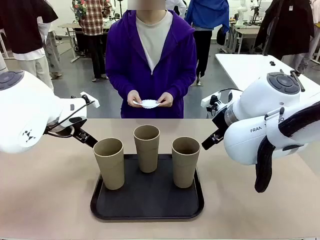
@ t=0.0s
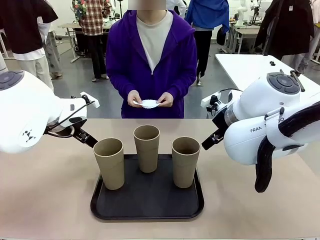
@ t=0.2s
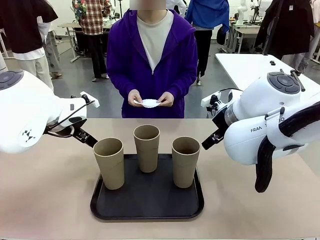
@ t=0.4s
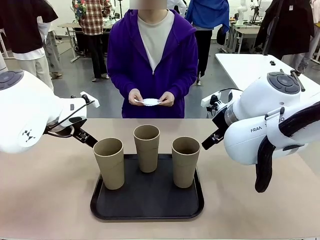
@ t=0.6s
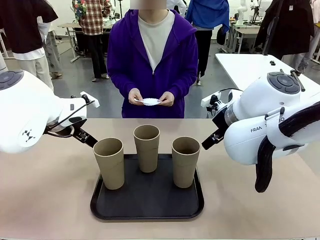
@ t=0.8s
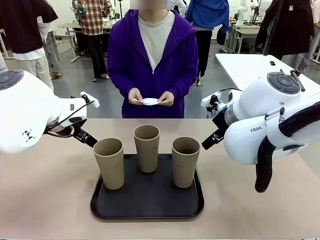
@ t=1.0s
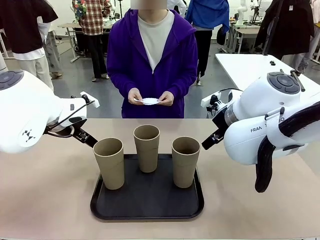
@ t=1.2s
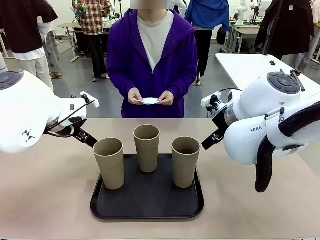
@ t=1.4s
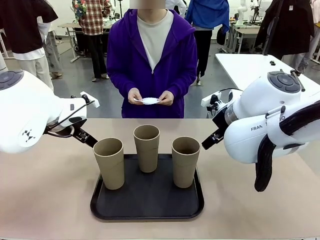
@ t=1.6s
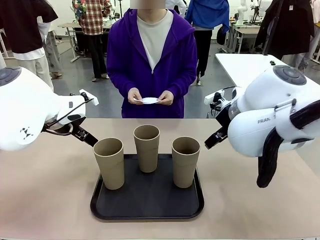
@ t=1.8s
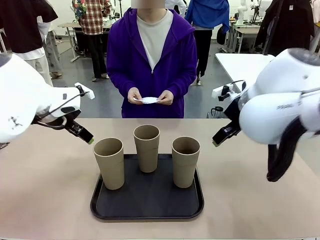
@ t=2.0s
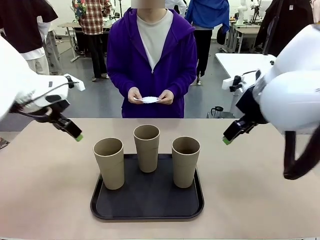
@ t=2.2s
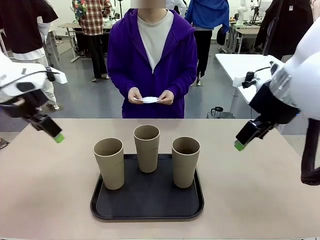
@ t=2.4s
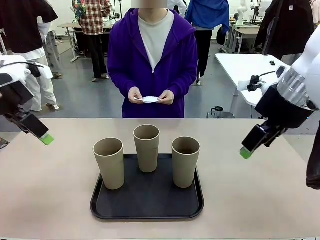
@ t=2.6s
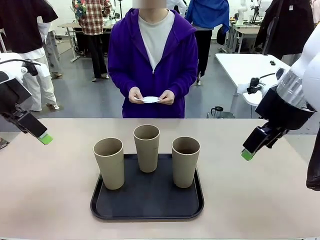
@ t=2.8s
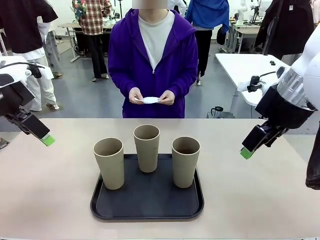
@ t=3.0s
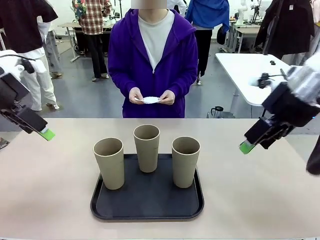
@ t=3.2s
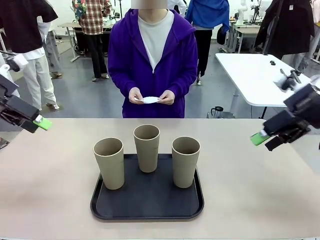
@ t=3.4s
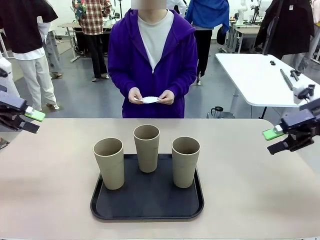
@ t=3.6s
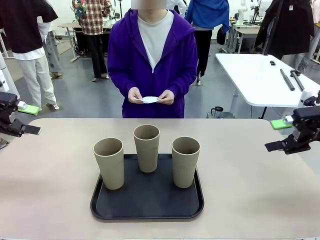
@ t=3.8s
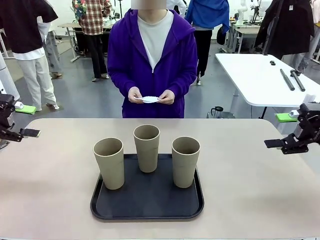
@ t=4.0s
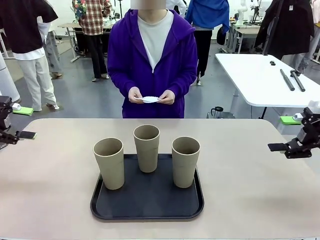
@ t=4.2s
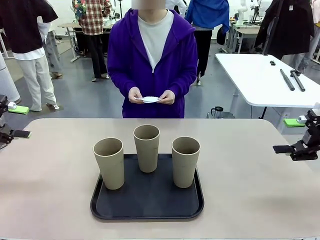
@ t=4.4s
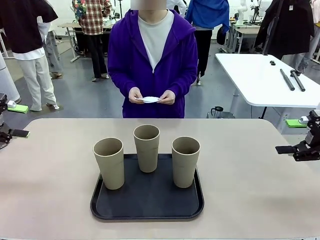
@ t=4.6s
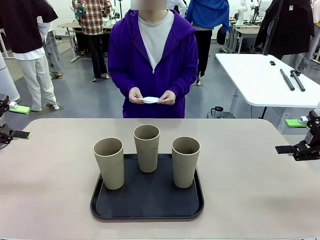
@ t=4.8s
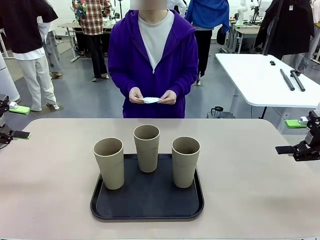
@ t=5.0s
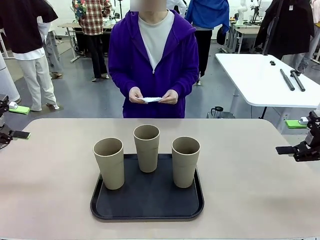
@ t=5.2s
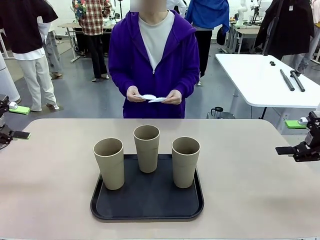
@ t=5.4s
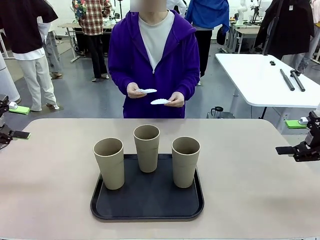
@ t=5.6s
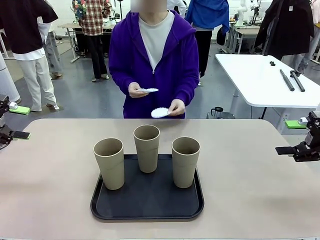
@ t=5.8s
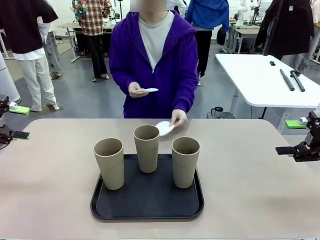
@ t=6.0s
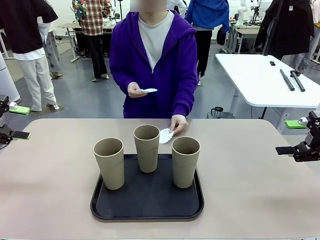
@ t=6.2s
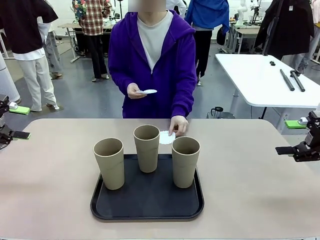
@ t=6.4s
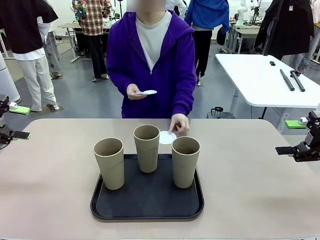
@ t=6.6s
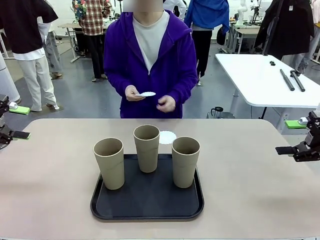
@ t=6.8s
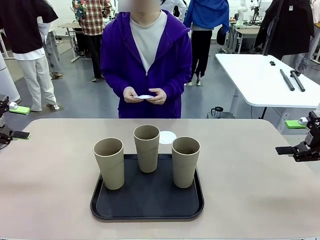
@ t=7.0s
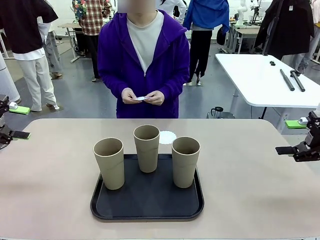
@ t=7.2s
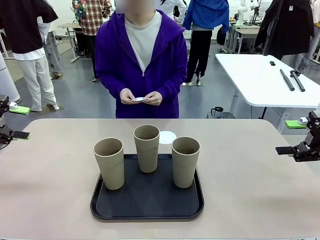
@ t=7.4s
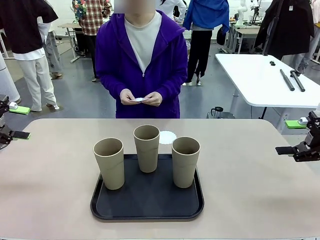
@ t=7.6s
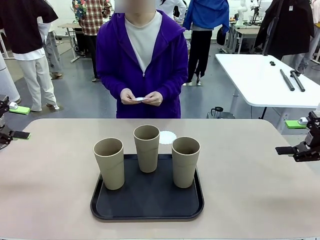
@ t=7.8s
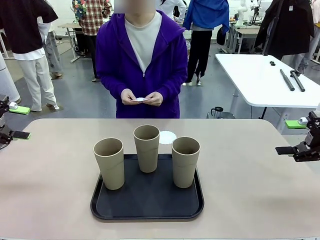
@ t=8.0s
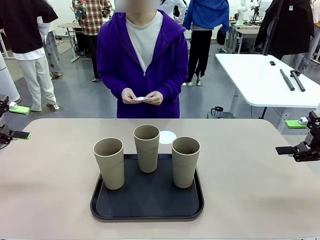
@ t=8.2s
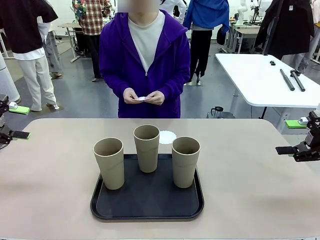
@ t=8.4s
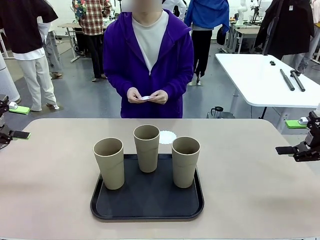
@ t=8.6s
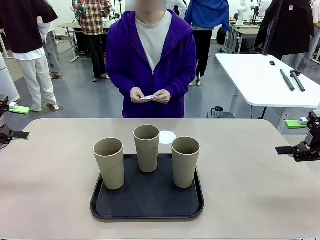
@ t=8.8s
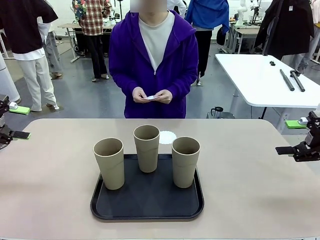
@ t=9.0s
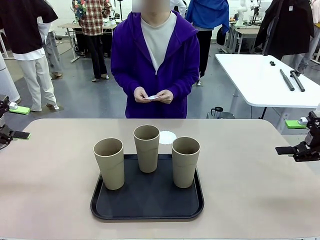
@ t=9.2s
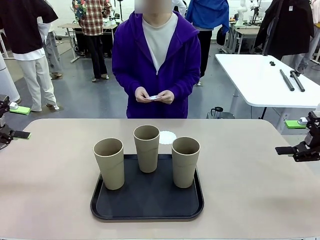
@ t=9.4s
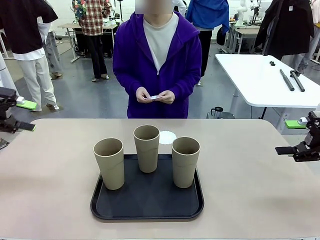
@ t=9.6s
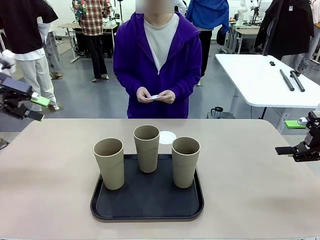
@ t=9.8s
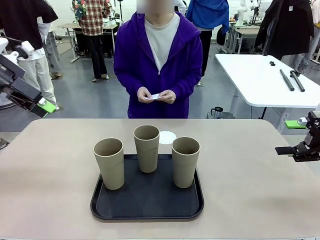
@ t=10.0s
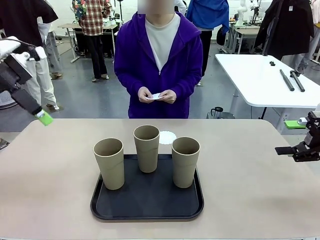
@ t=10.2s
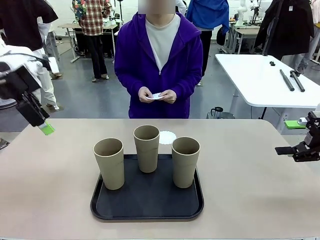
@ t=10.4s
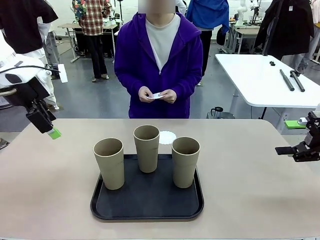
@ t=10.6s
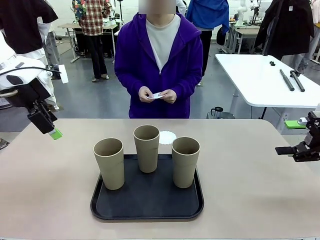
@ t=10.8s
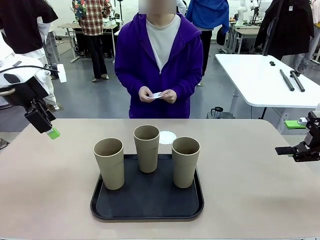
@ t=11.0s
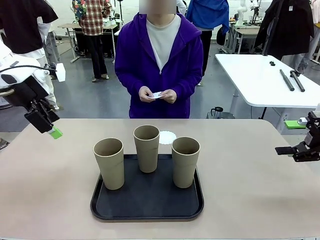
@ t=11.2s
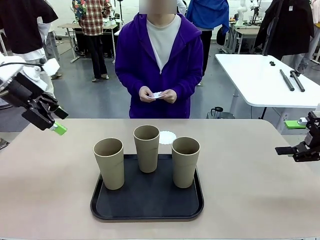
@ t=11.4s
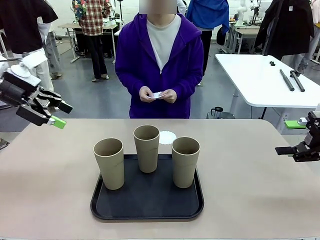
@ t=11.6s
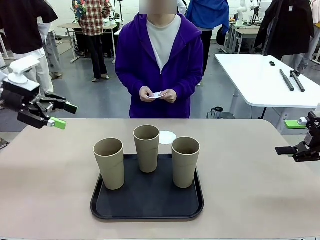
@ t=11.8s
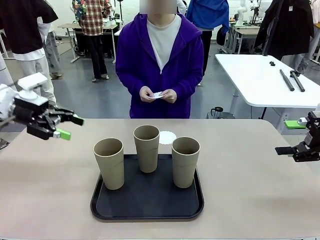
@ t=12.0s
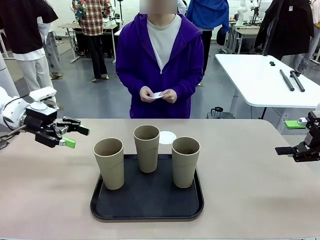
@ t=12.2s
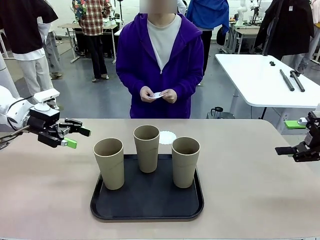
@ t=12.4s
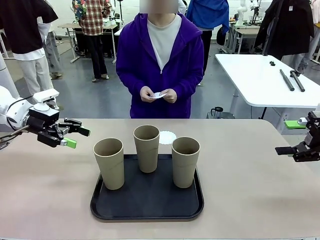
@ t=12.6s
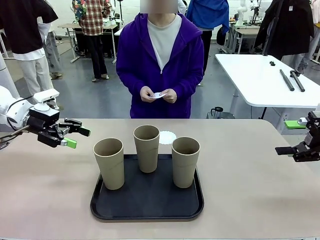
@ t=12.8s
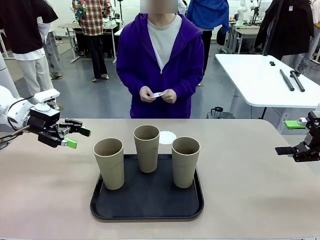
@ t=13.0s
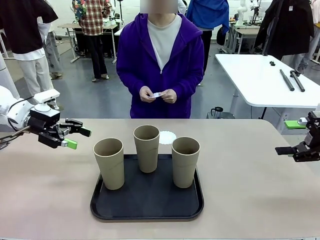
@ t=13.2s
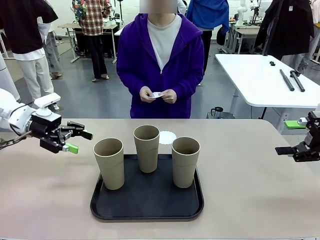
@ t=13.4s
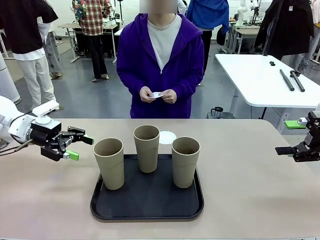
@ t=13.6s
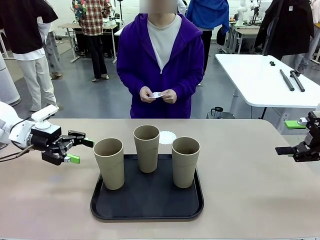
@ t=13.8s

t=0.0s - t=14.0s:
Task: Place coasters on the table and set cups on them.
Robot: Pick up one Reusable plastic cup and place it on a coaster set by the human.
Person: Place one coaster in any one of the three lower areas of the robot table (left, center, or right).
